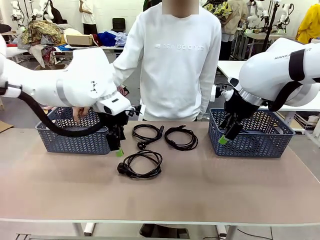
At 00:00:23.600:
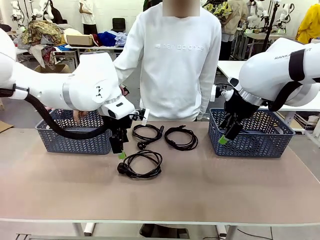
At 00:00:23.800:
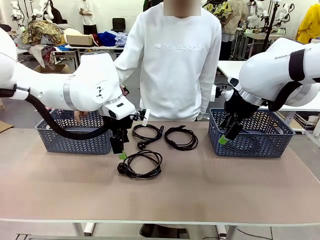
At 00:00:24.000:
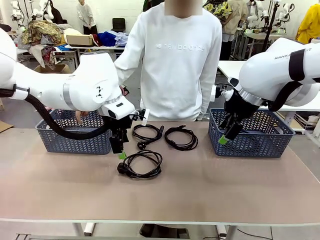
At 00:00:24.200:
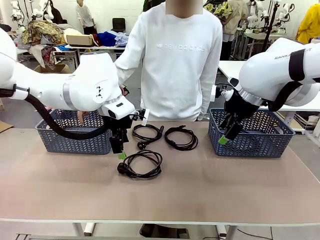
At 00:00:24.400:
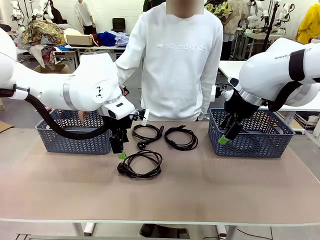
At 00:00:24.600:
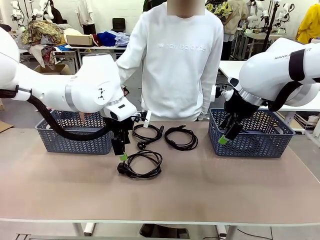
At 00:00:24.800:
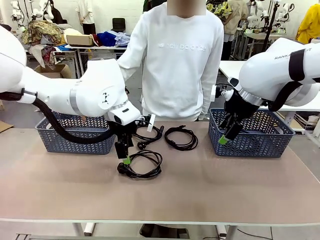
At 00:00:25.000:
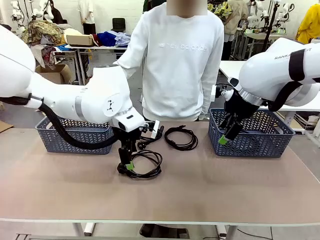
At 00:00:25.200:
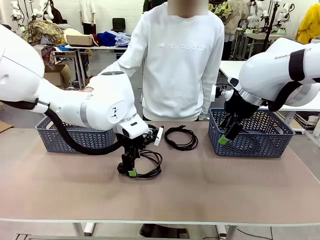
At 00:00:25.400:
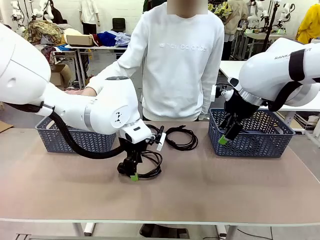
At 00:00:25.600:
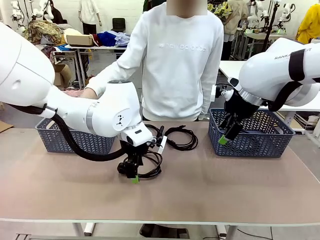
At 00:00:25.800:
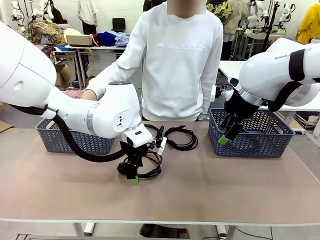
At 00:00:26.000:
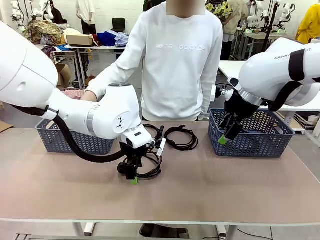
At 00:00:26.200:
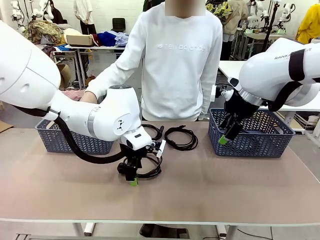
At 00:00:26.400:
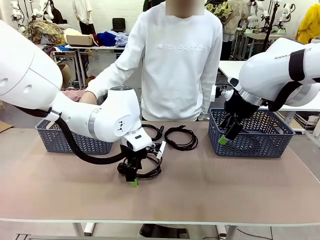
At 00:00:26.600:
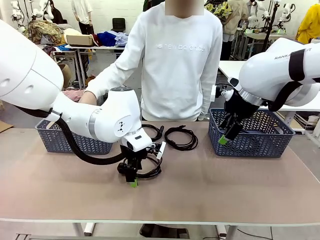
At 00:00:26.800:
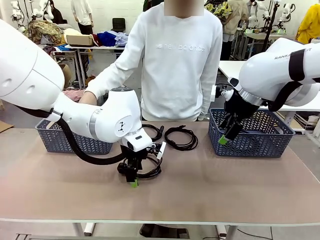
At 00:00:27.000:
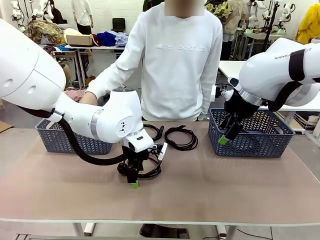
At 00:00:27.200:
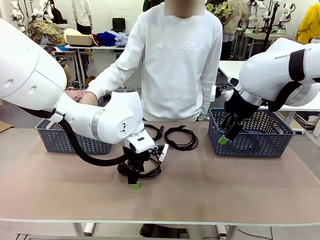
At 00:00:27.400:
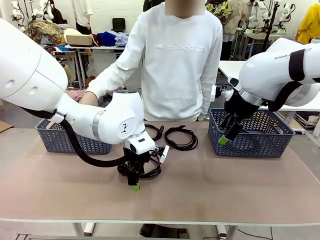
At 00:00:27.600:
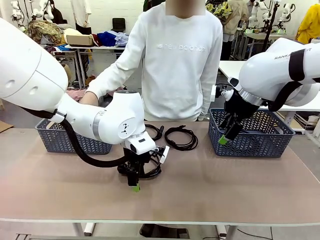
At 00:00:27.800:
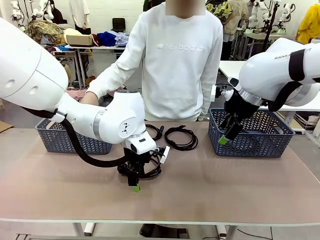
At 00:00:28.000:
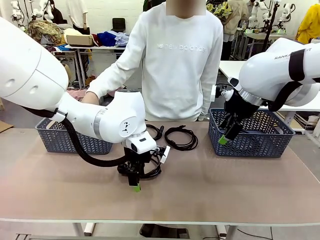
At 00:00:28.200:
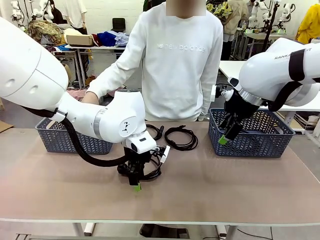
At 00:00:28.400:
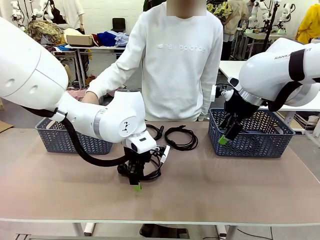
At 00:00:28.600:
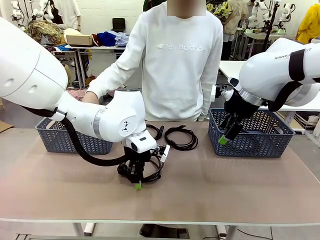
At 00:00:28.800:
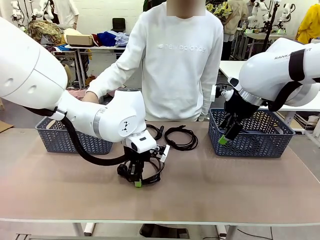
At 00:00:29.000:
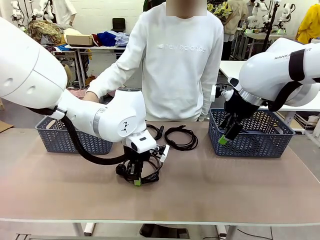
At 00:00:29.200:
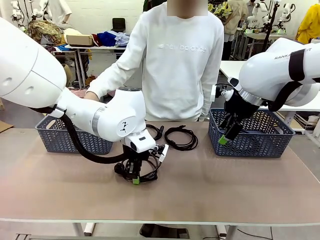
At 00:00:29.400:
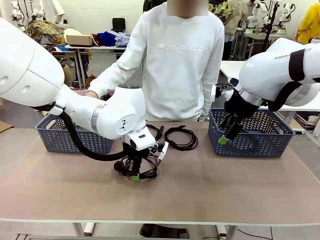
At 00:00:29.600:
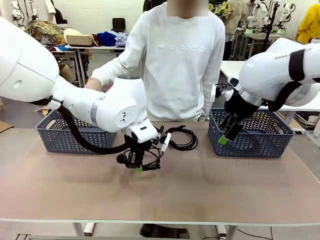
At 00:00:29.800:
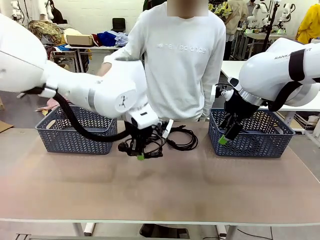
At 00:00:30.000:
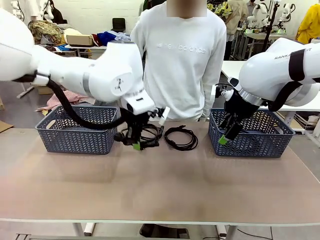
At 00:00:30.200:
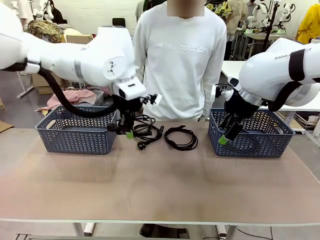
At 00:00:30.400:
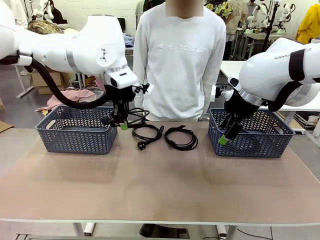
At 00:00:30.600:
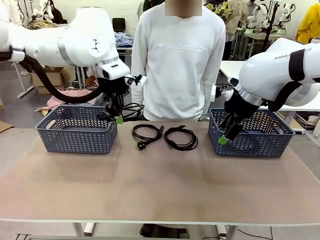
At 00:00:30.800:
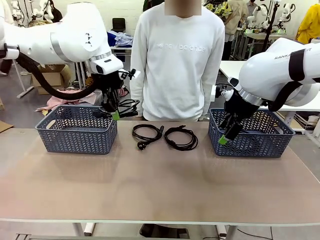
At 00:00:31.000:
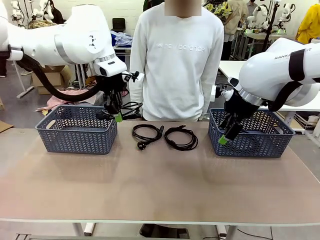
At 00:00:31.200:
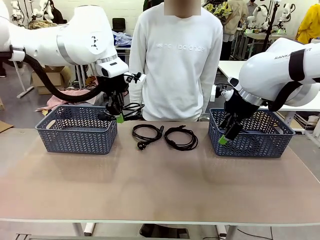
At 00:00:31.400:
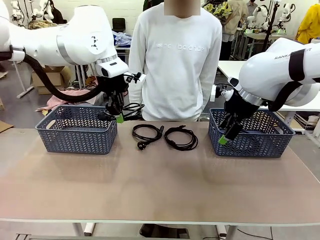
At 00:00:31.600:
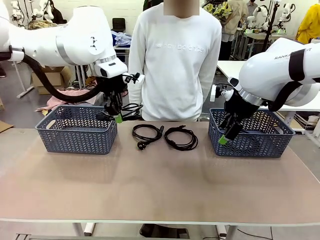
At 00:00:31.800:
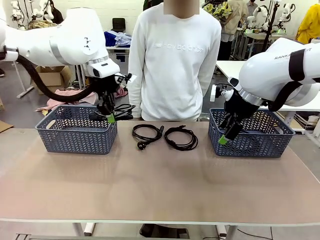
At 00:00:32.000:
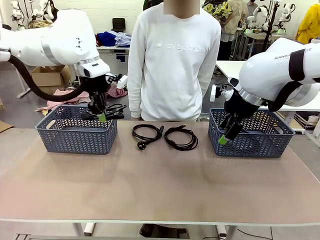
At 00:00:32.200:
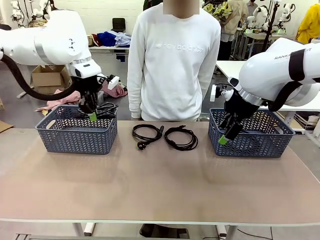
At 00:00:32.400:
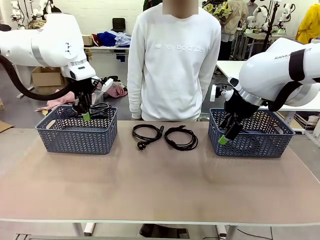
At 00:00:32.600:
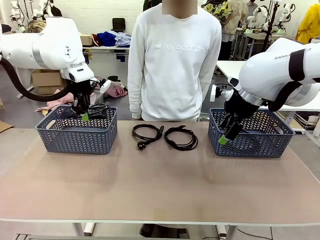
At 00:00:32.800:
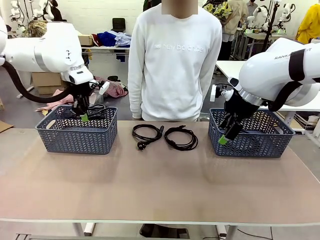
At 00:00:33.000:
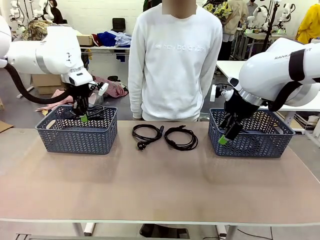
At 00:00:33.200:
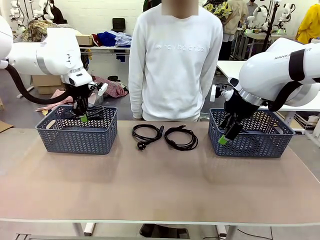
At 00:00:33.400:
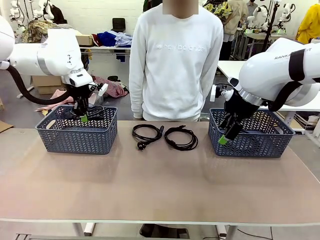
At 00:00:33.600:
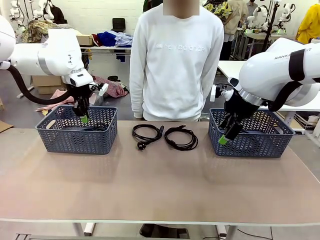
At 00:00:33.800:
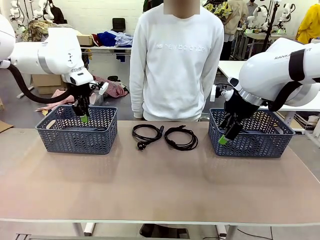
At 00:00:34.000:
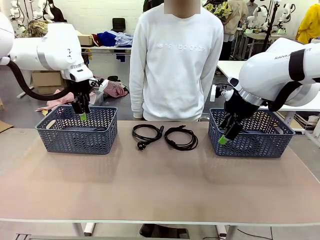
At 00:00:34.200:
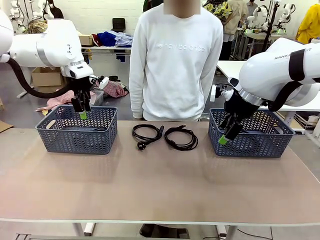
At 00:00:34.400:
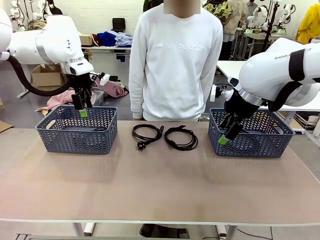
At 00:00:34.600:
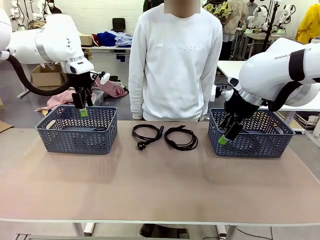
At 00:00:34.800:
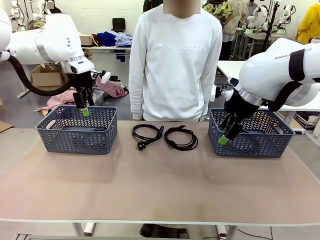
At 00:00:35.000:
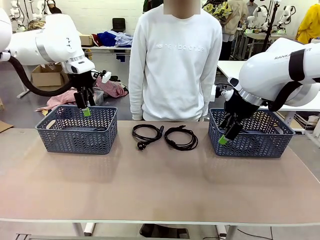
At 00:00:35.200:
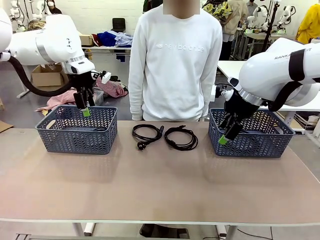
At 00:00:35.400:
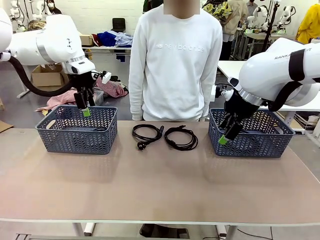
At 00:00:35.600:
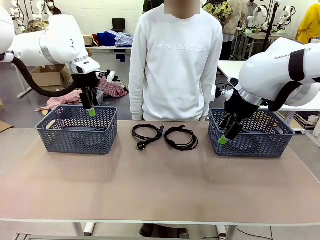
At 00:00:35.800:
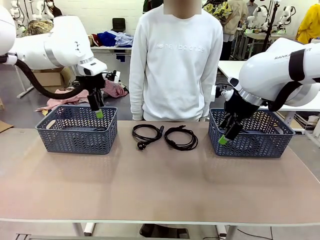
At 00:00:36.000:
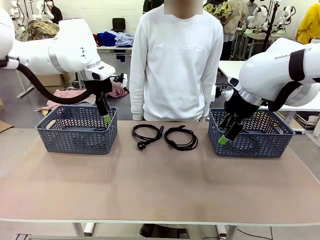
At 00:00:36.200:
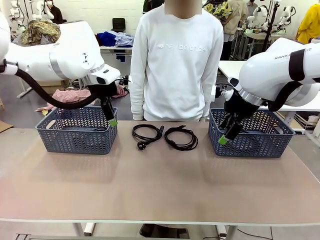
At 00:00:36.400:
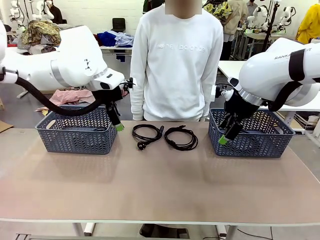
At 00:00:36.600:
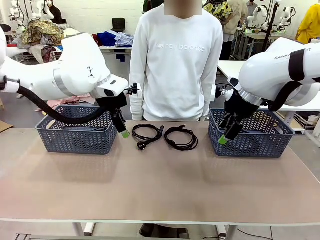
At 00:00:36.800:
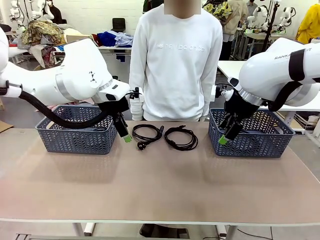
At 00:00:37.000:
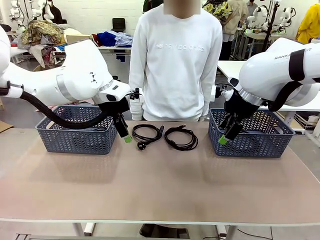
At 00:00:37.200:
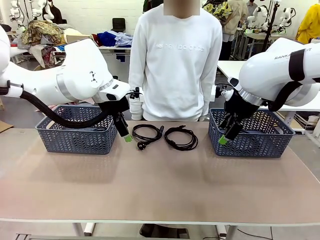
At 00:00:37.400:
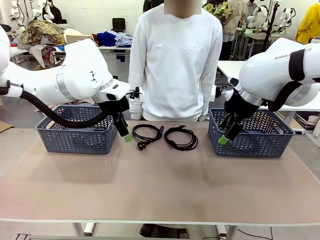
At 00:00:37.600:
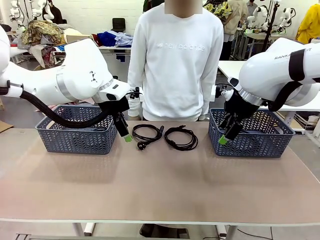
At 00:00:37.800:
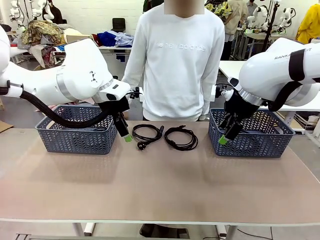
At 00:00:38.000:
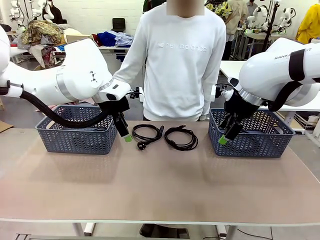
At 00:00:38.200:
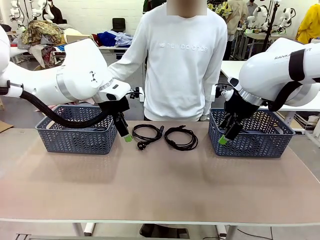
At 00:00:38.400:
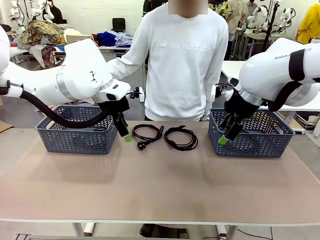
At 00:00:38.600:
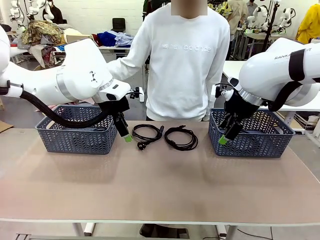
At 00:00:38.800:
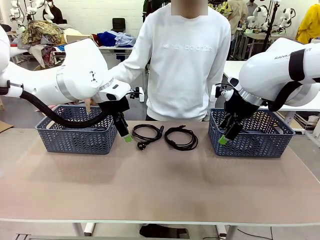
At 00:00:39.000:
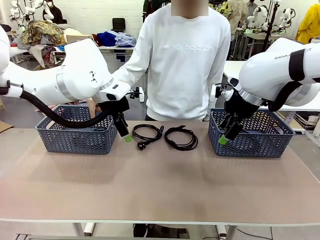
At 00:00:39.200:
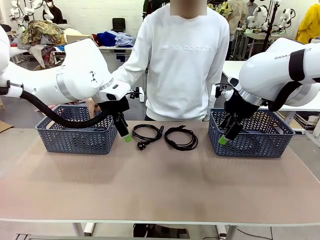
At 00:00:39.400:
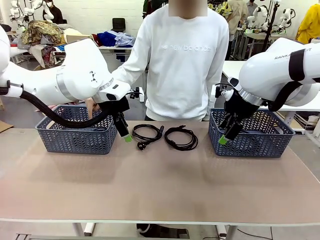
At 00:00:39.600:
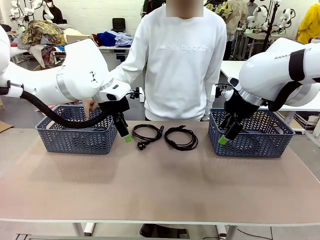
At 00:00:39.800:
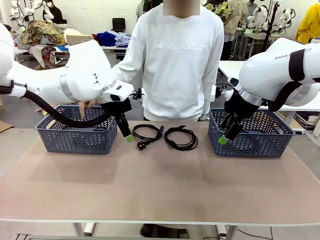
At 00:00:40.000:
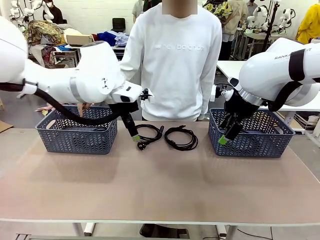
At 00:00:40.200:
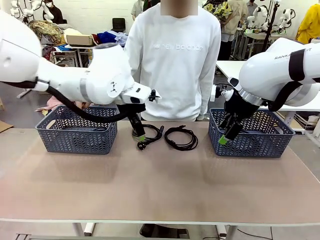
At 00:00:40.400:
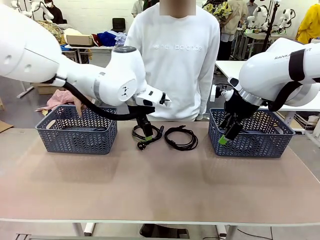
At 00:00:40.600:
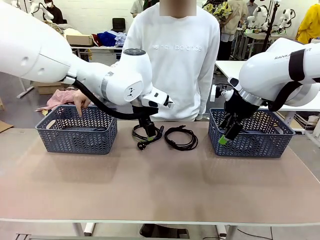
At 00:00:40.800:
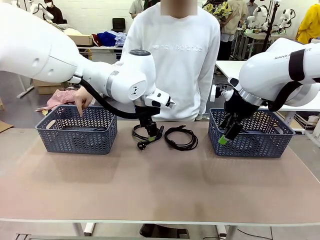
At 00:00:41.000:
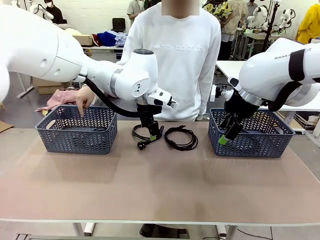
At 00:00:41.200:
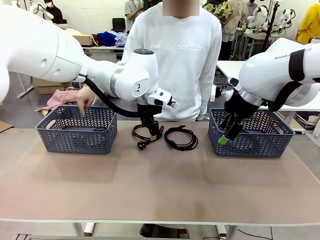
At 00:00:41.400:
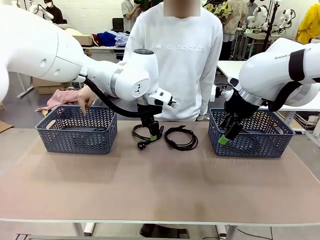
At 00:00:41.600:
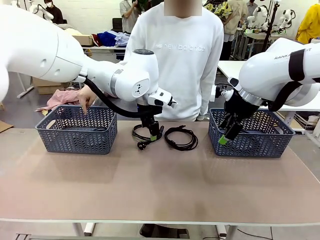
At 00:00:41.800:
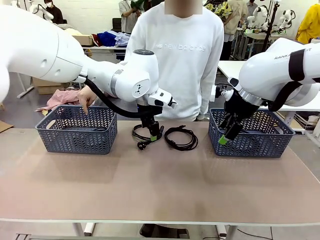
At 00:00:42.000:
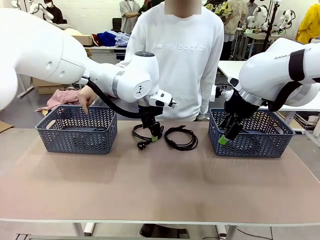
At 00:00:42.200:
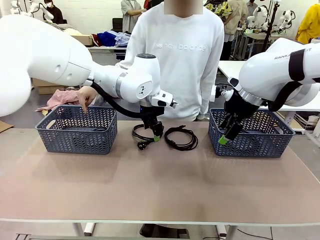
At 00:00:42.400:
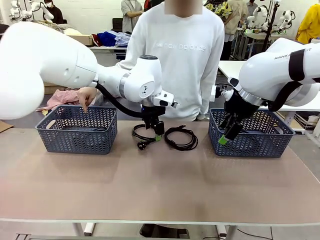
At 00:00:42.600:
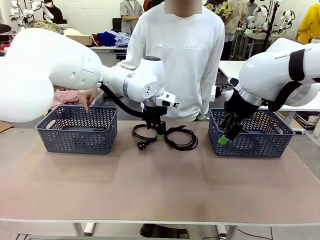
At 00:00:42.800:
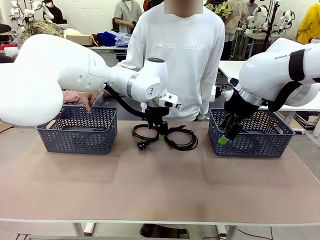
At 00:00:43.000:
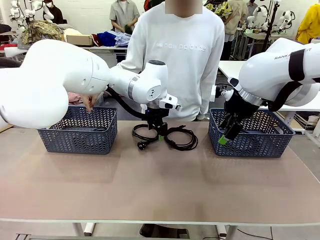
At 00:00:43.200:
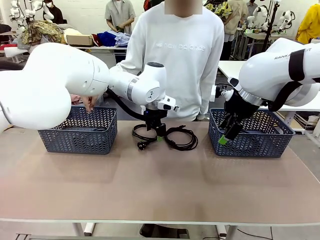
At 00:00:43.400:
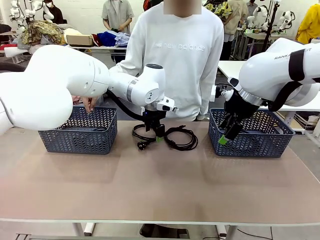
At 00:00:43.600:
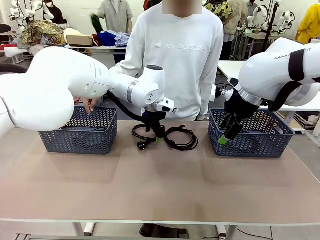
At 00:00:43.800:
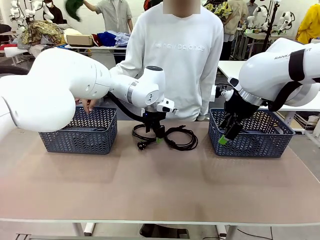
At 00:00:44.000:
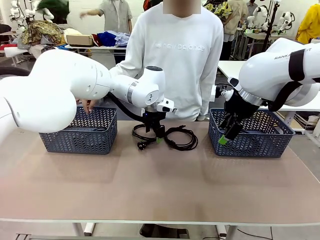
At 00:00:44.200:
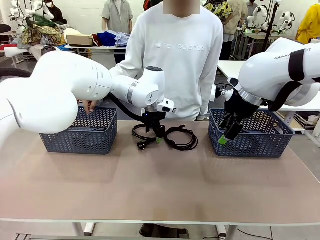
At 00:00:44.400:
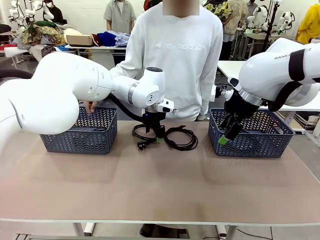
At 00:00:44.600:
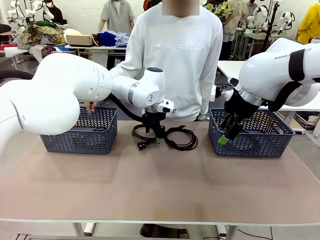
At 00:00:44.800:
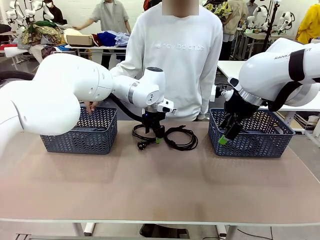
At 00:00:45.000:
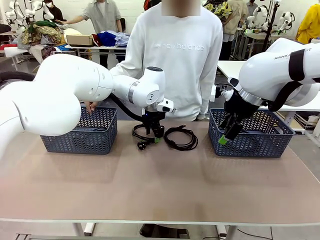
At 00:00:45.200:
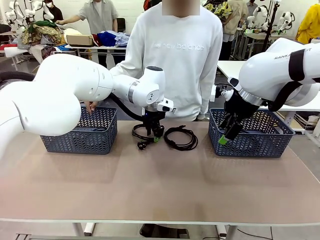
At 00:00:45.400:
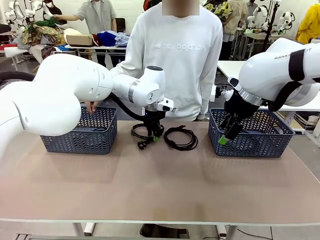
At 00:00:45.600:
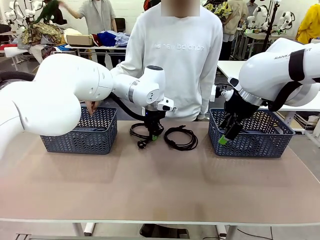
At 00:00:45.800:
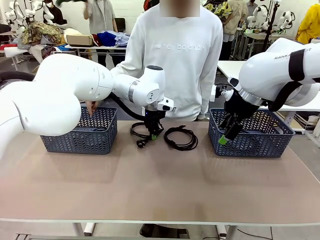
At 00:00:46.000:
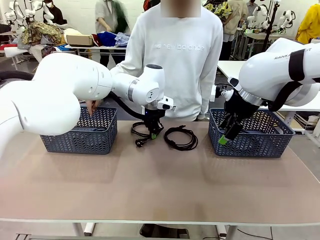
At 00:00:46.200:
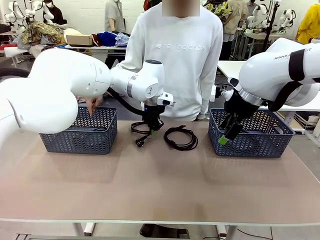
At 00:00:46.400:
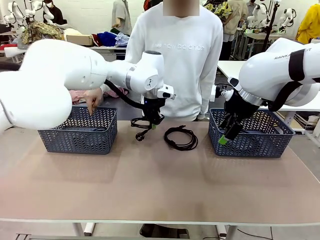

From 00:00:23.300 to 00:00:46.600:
Task: Organize the cables according to human instructions.
Robot: Pick up a bundle of cables and place it in the basket indicated by the human.
